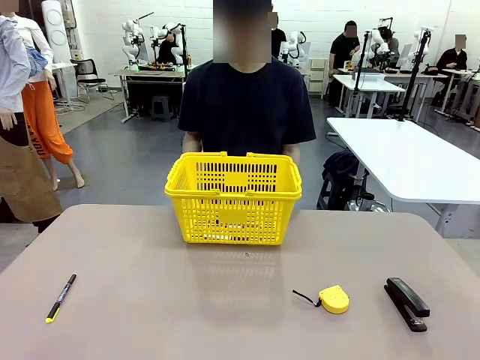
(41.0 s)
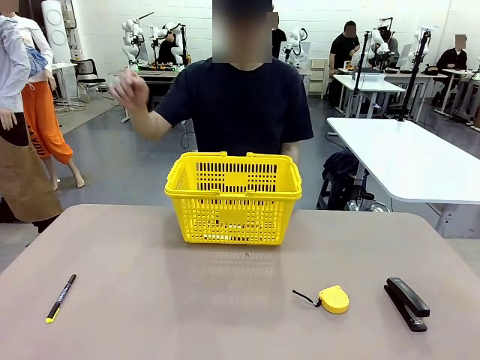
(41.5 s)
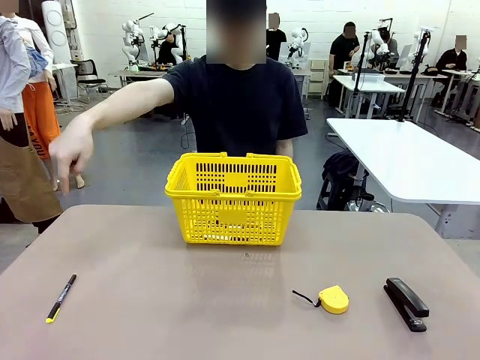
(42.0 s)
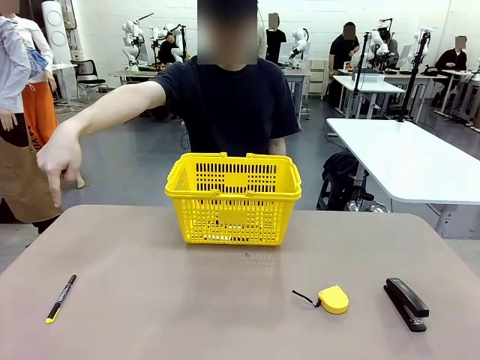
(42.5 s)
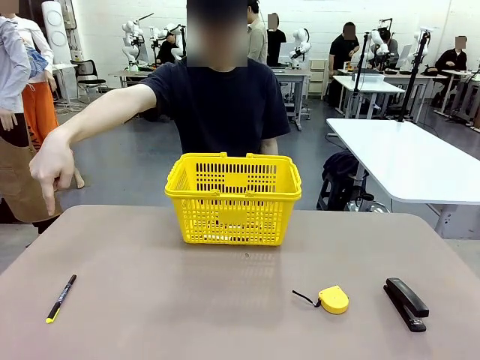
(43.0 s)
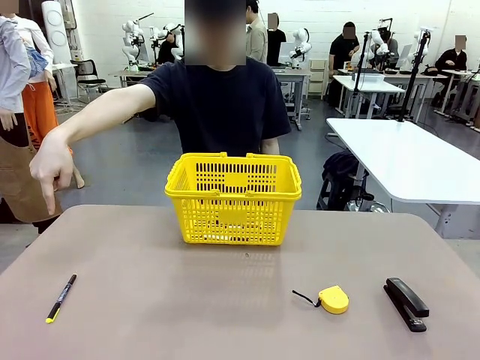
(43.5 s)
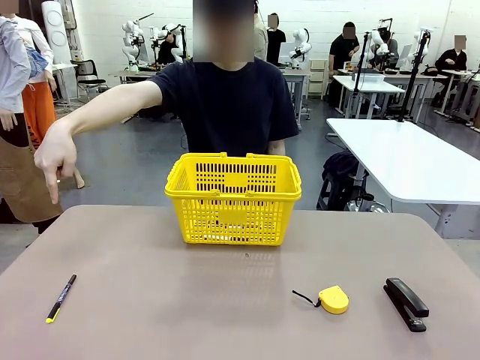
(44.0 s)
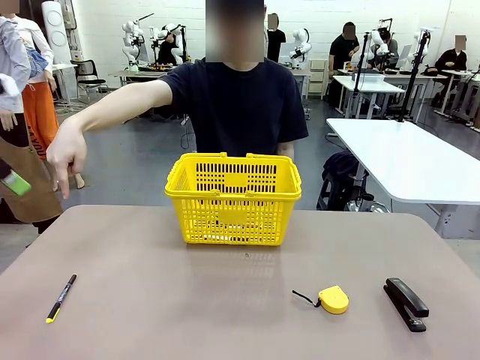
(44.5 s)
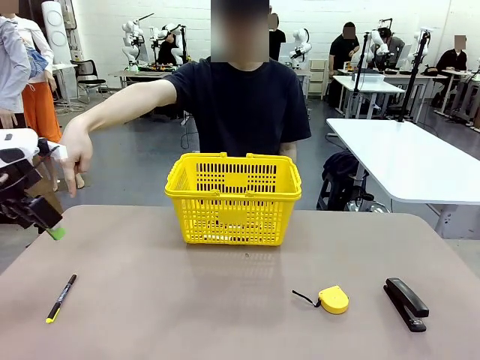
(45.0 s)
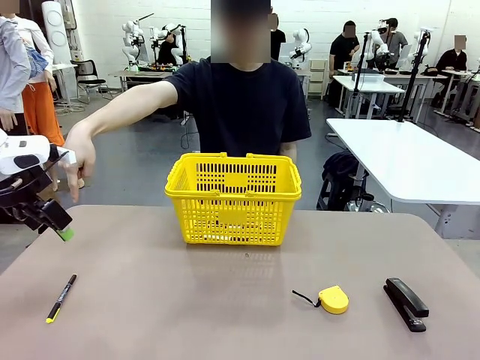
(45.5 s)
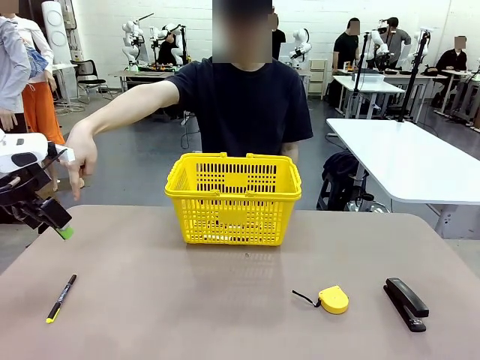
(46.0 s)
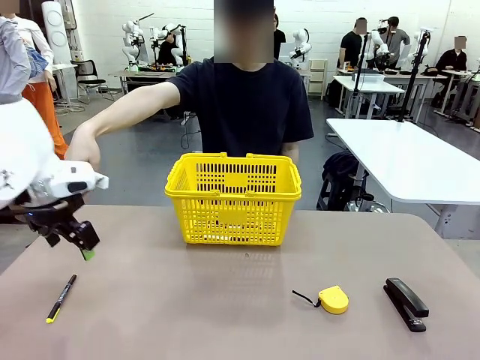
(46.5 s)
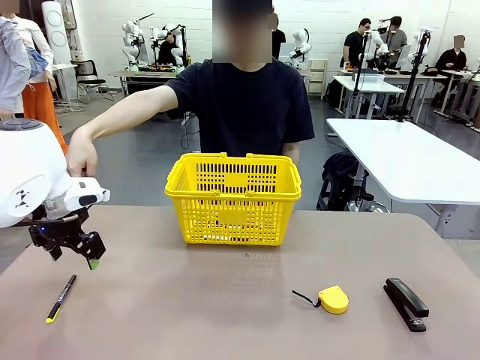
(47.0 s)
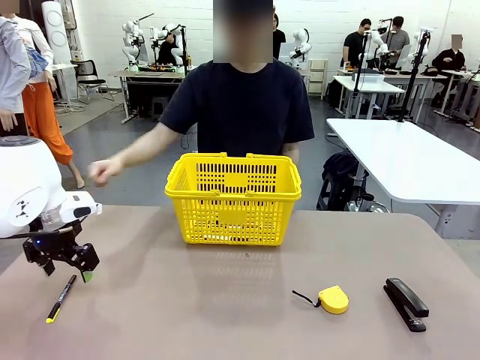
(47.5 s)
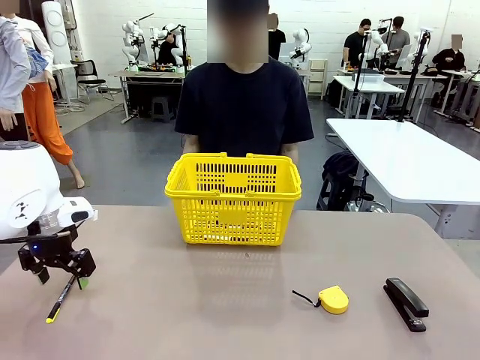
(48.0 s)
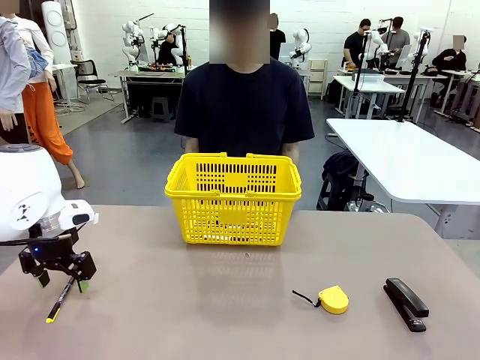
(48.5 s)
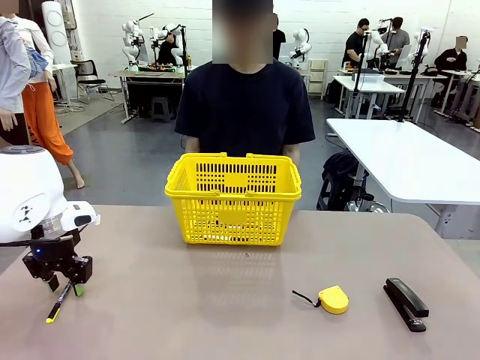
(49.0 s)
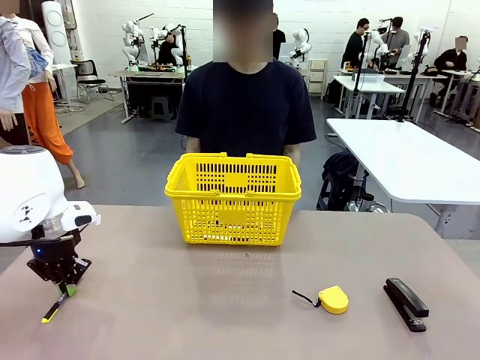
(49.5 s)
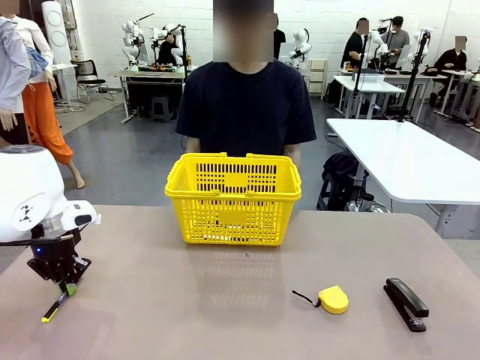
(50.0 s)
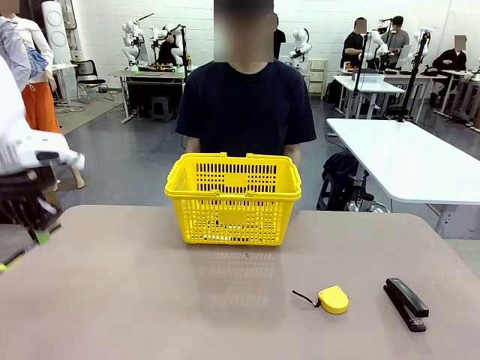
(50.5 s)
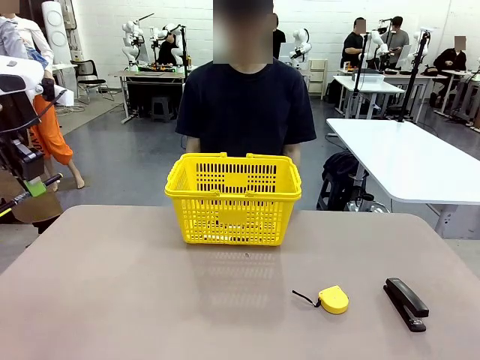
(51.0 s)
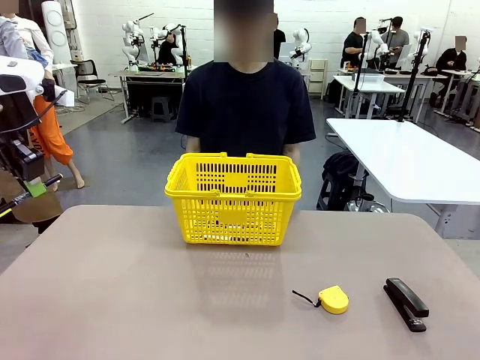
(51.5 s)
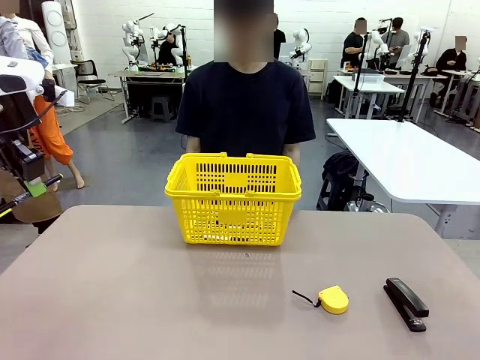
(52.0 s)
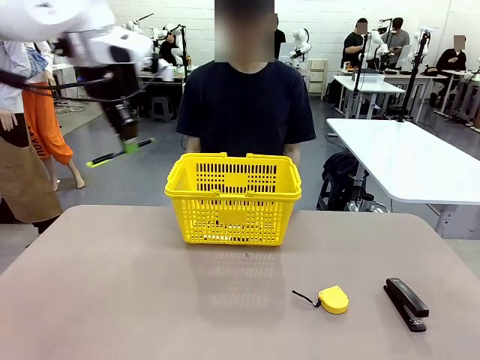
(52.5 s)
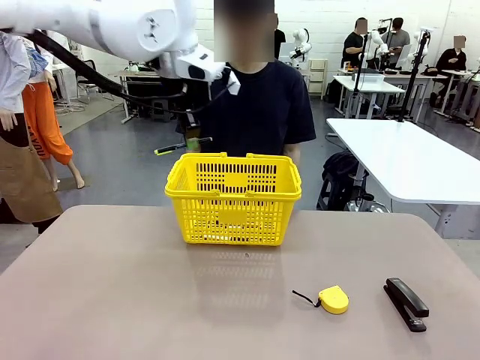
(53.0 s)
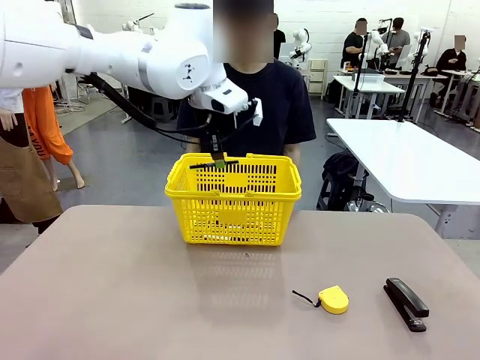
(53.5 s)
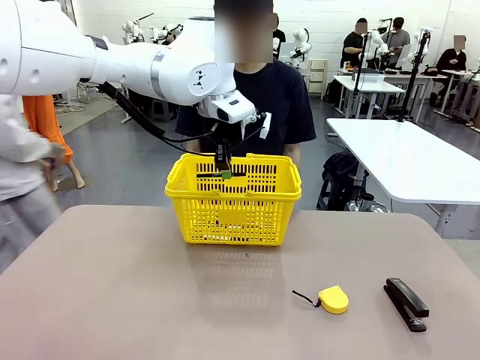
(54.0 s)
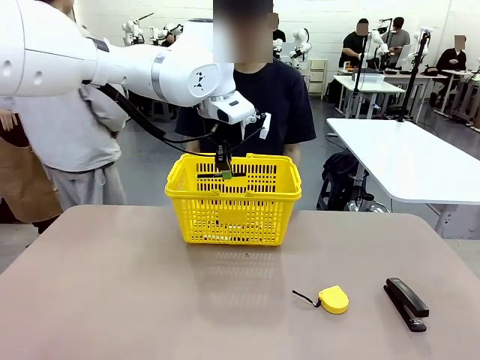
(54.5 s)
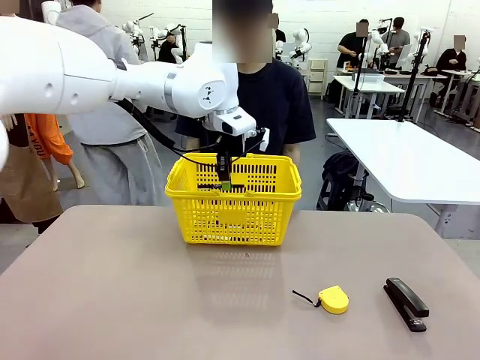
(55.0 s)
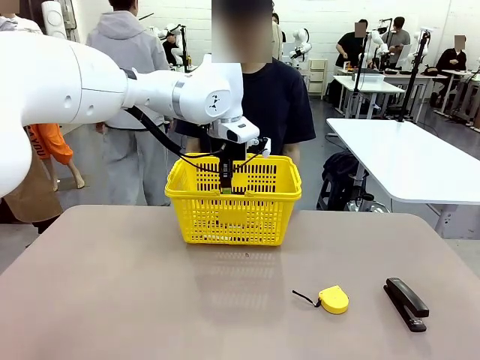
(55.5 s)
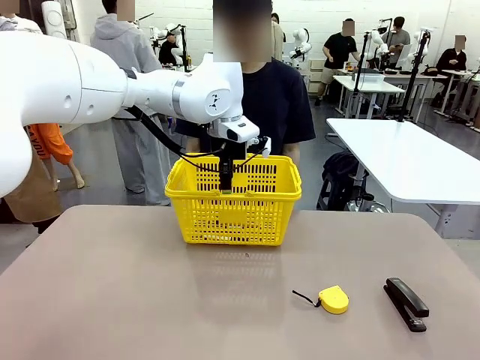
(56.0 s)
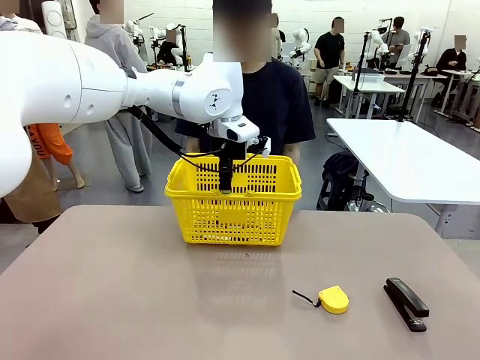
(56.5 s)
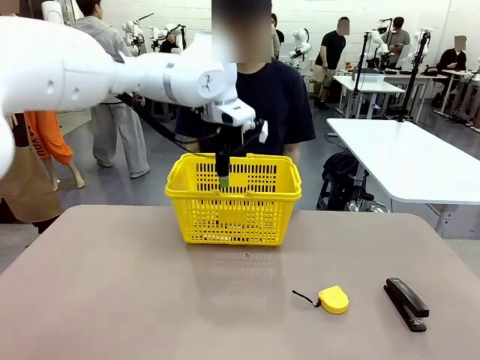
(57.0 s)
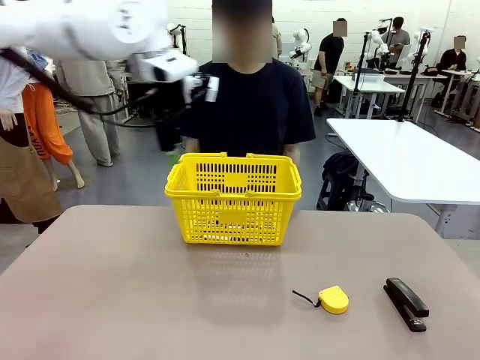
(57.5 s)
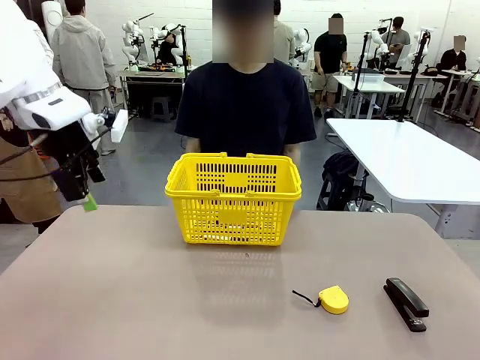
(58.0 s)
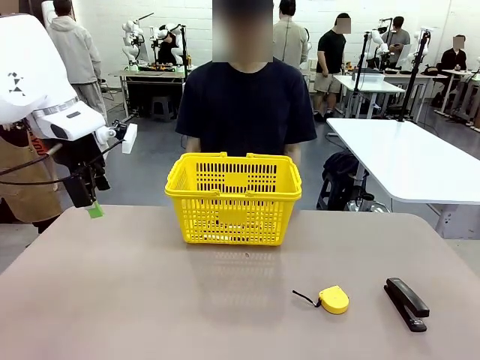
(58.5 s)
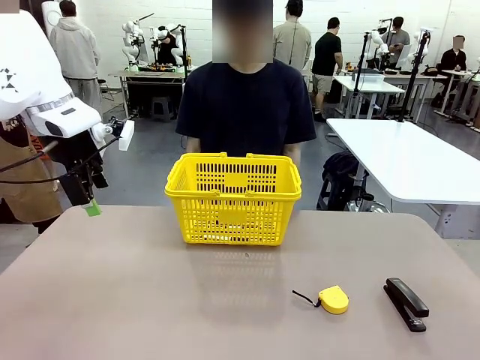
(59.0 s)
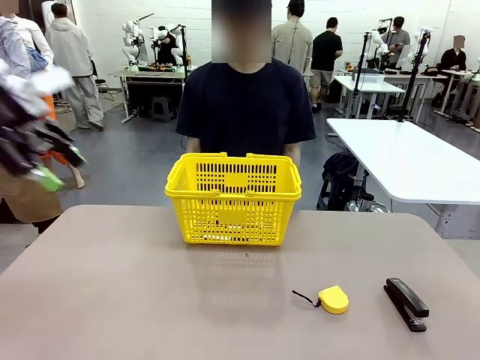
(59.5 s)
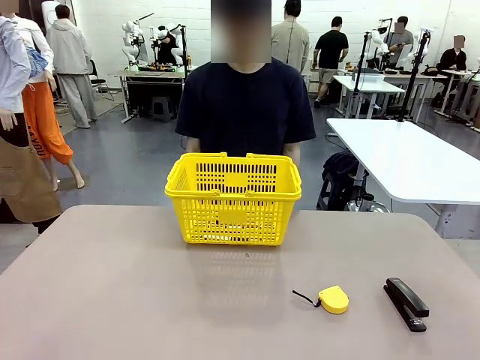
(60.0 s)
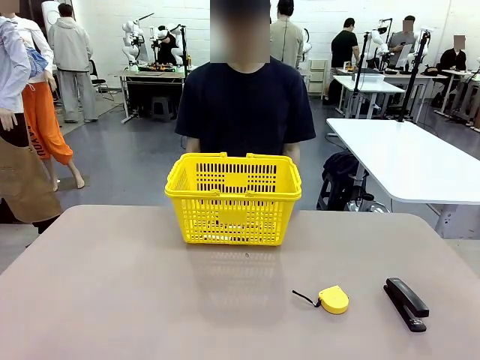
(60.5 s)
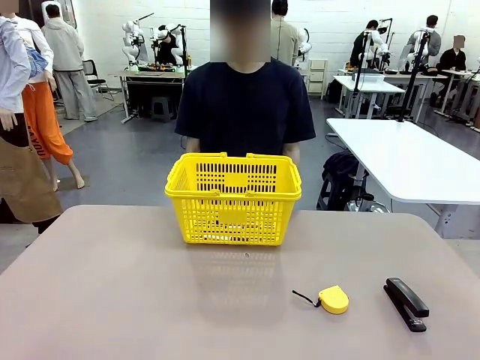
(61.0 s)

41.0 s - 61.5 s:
Task: Place the items the person wants into the basket.
Robot: Pick up the item the person points to and place it in the Market Basket.

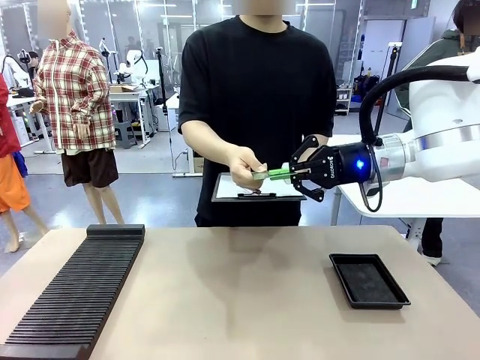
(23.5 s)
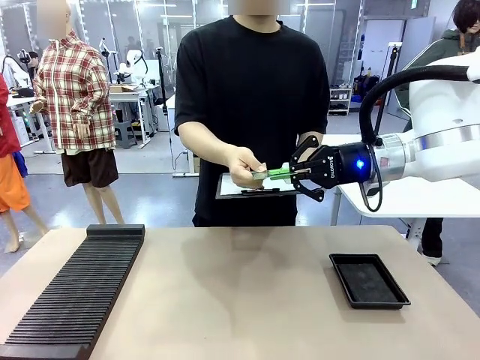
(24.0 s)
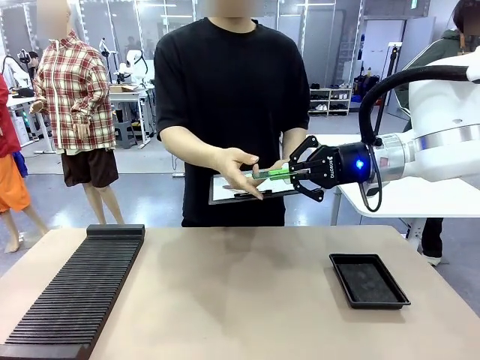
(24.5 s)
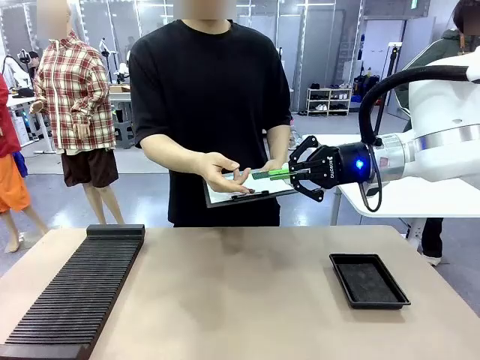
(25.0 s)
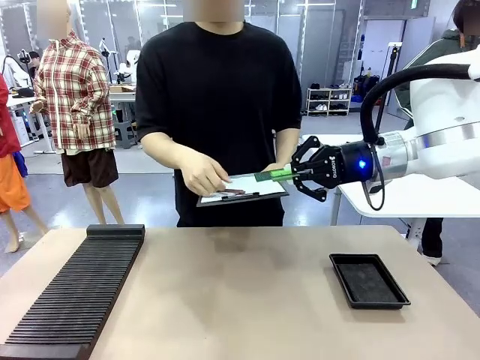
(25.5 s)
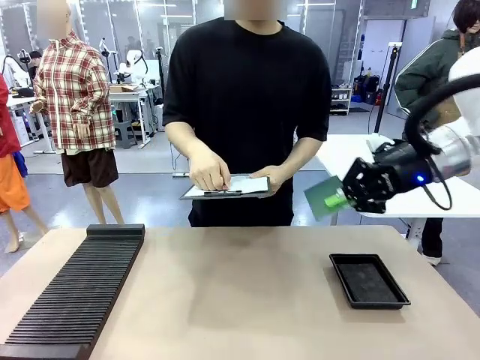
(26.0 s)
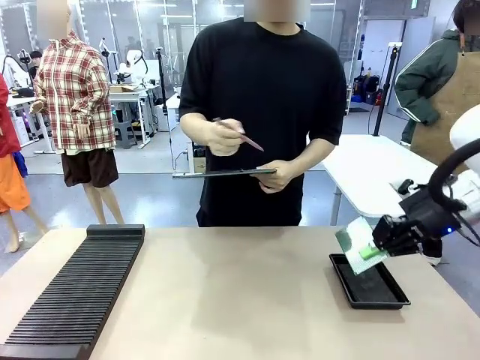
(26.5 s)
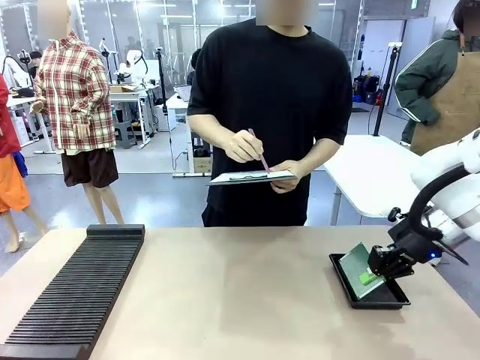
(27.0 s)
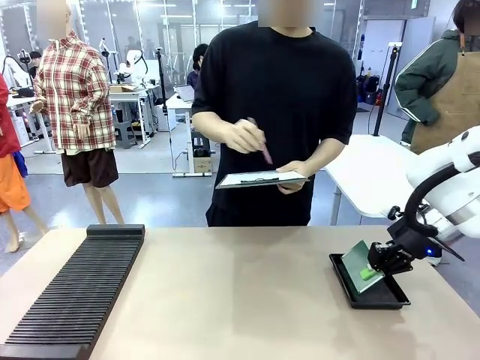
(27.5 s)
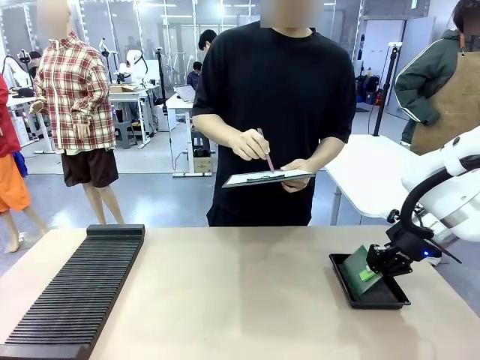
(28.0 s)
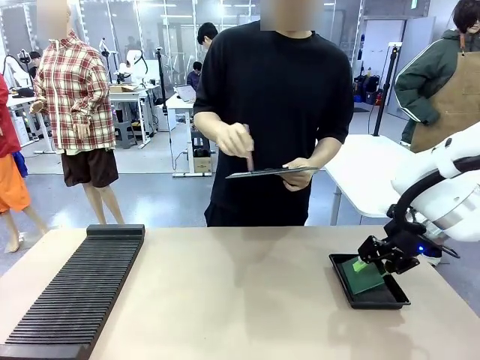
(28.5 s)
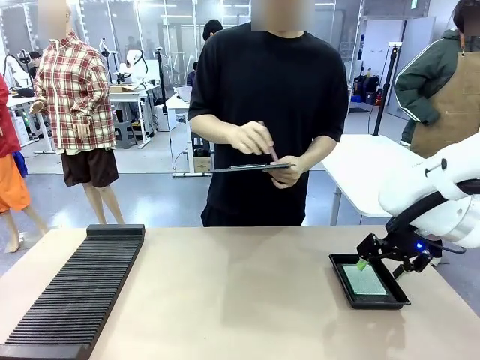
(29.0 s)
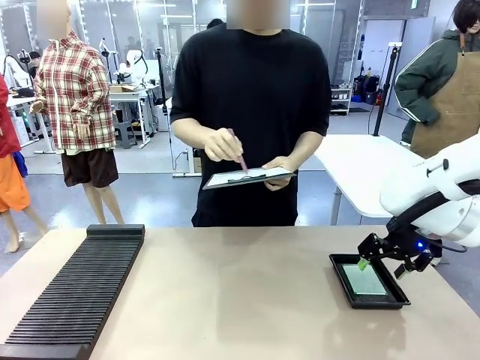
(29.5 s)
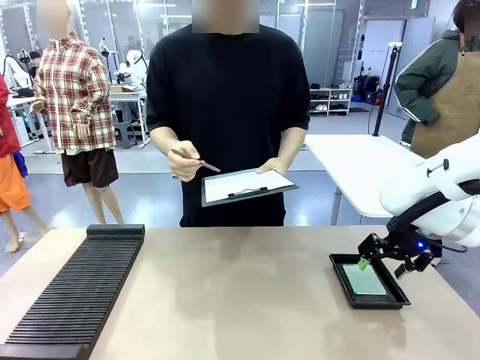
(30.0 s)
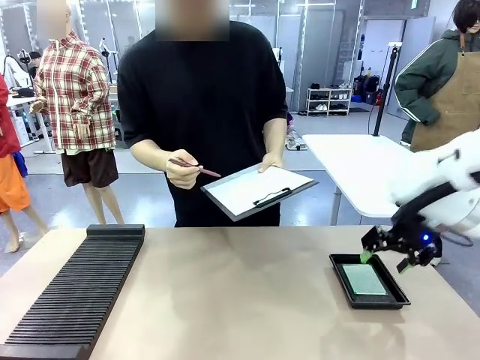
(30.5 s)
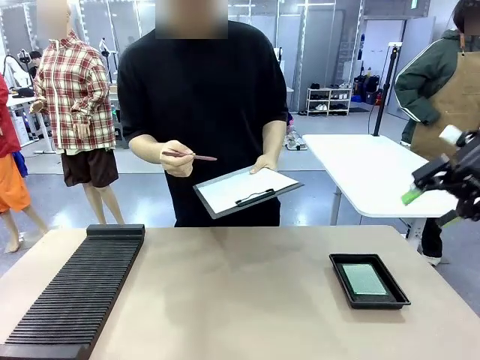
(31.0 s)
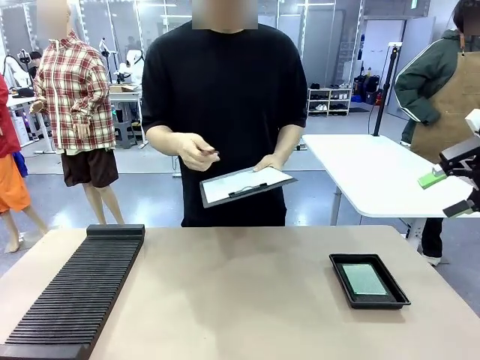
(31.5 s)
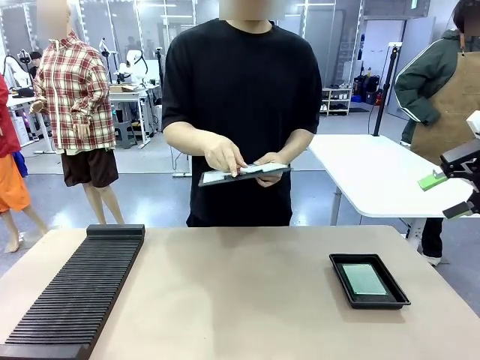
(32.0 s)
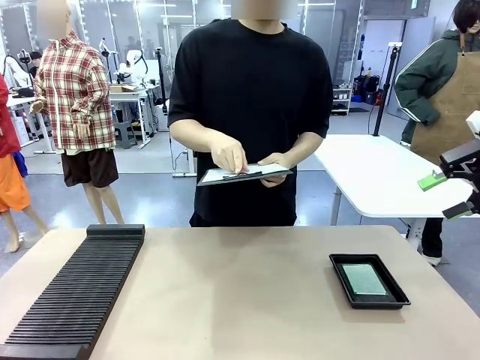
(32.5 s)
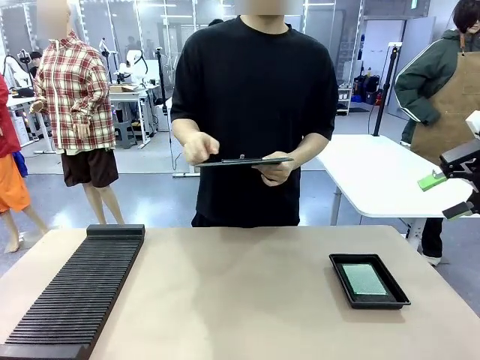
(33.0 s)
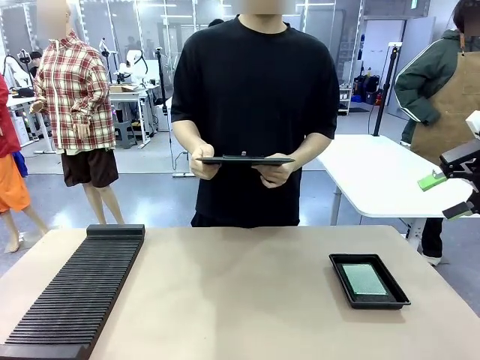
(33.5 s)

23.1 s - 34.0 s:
Task: Inspect the PCB.
Robot: Place the Blank PCB in the ESD tray.
Person: Record the PCB status on the paper.
